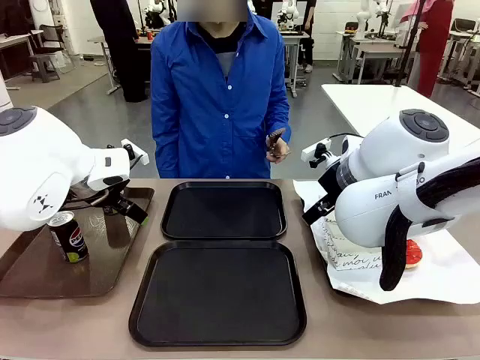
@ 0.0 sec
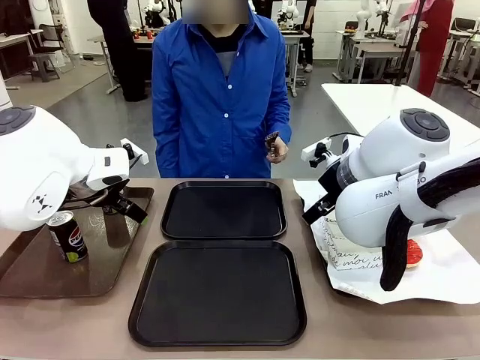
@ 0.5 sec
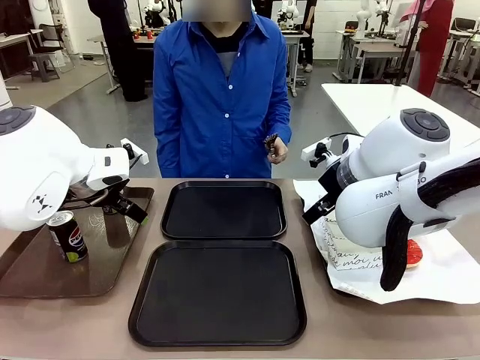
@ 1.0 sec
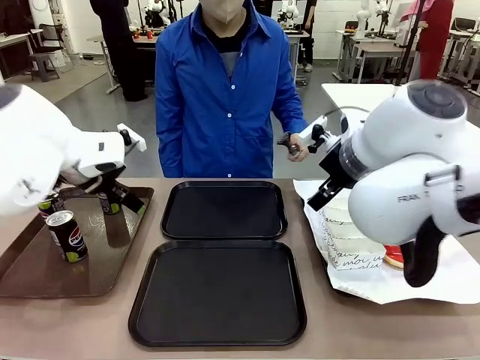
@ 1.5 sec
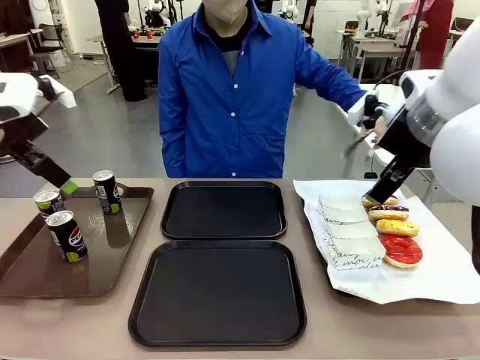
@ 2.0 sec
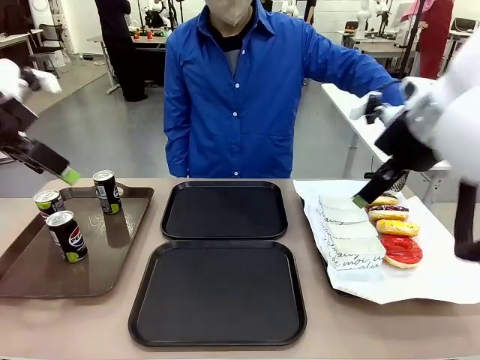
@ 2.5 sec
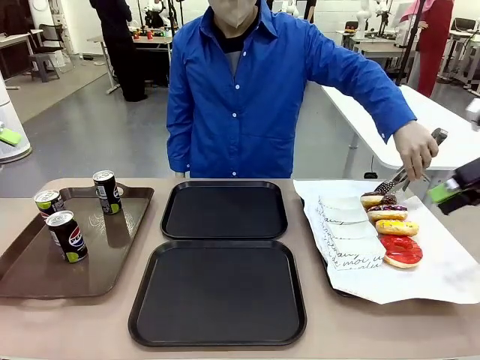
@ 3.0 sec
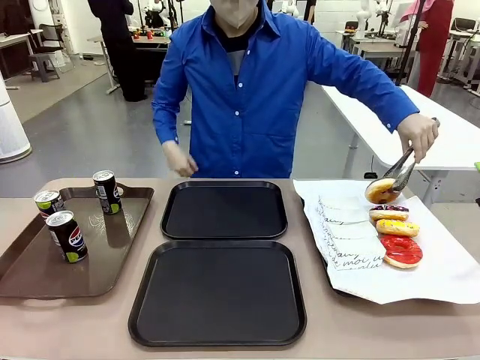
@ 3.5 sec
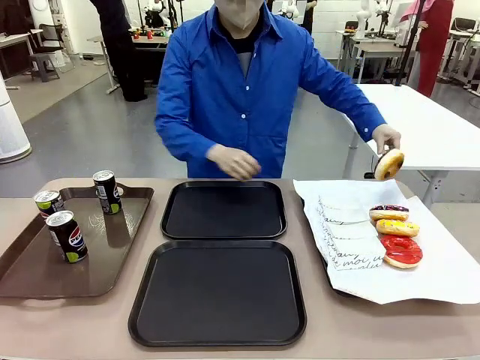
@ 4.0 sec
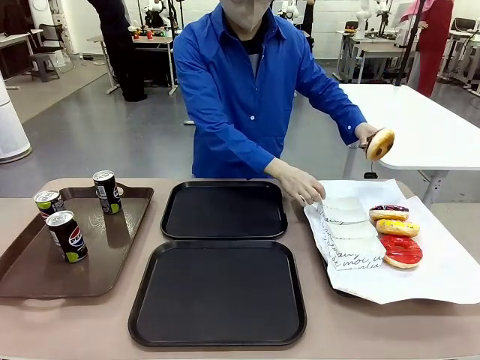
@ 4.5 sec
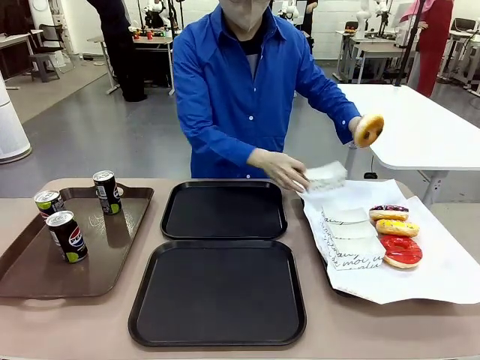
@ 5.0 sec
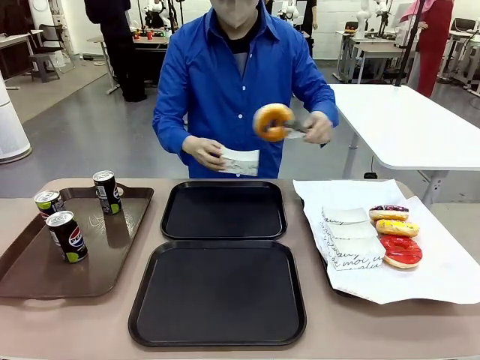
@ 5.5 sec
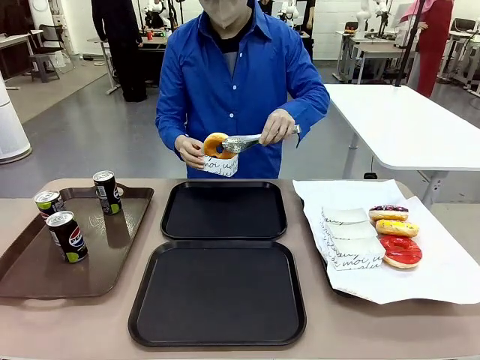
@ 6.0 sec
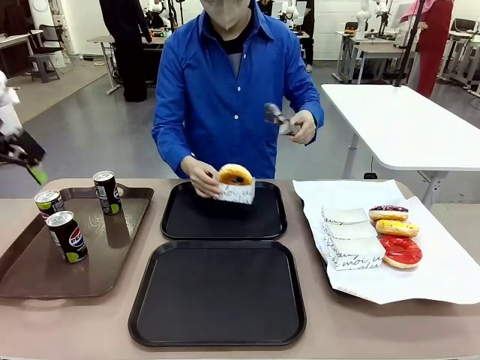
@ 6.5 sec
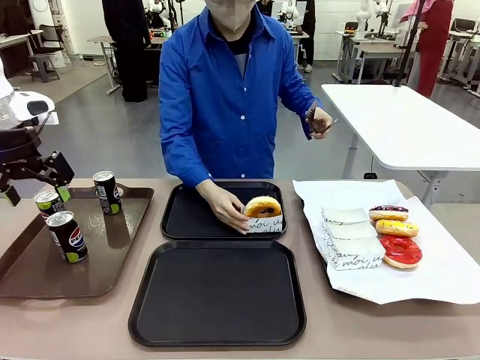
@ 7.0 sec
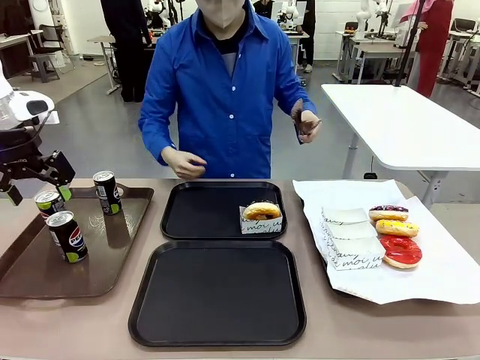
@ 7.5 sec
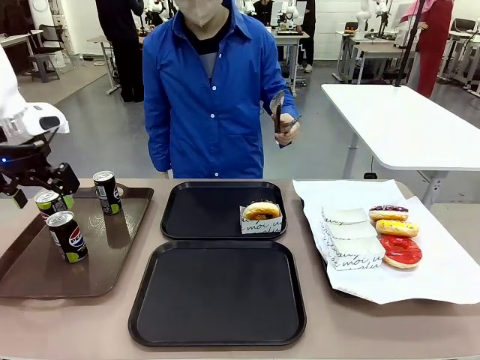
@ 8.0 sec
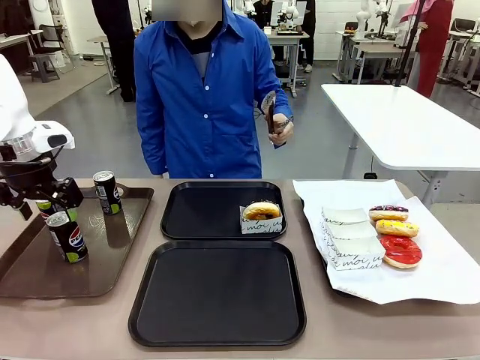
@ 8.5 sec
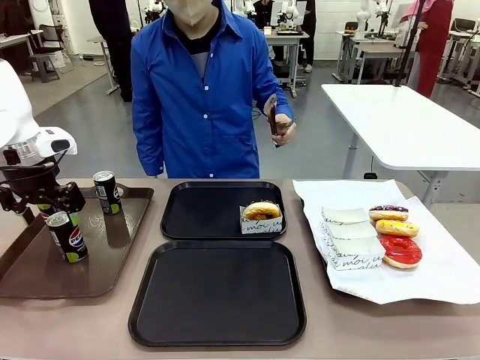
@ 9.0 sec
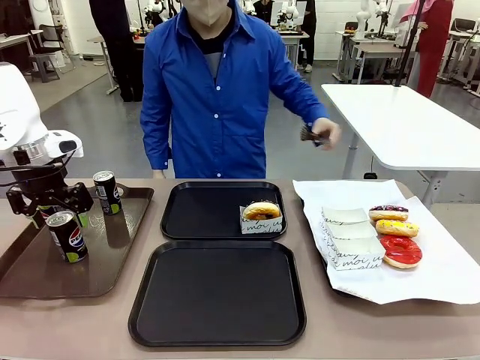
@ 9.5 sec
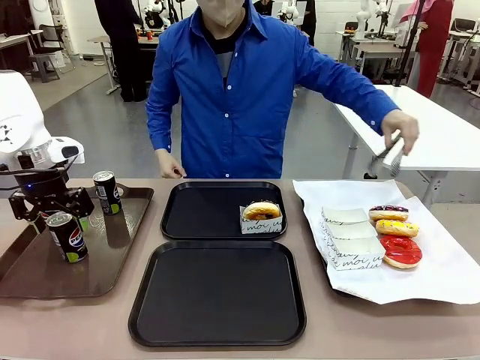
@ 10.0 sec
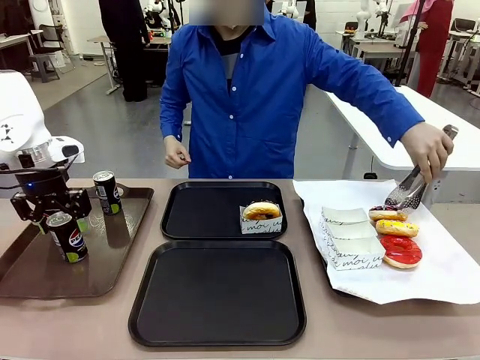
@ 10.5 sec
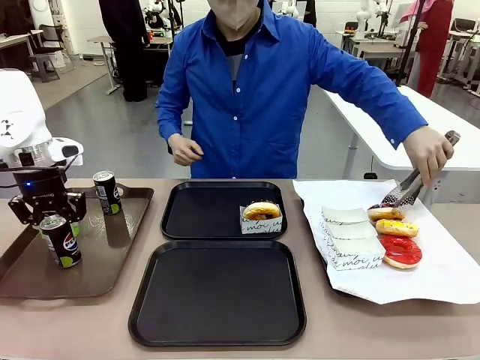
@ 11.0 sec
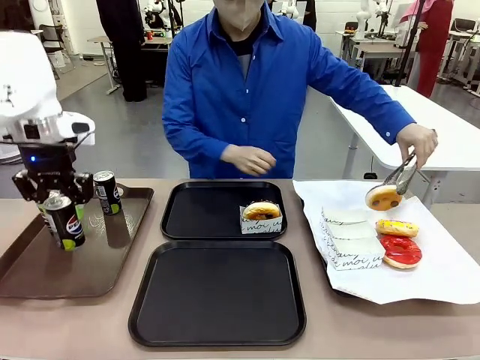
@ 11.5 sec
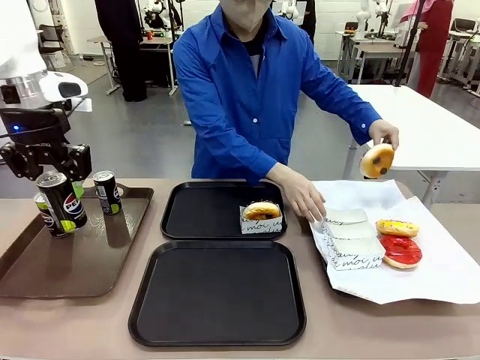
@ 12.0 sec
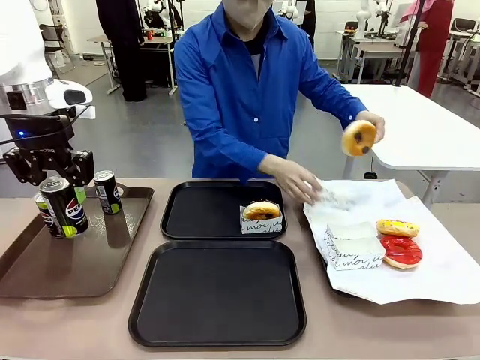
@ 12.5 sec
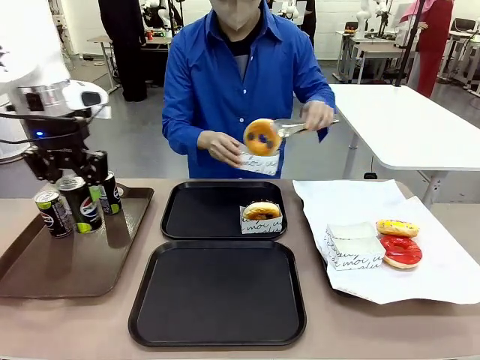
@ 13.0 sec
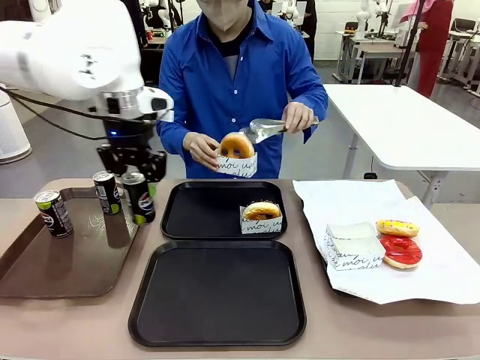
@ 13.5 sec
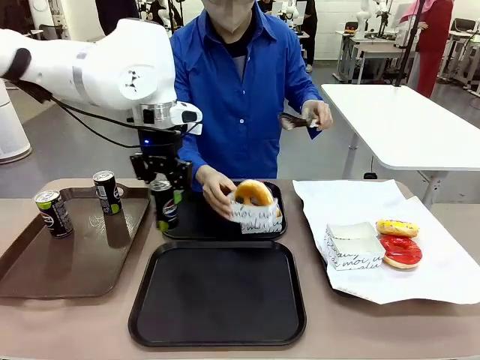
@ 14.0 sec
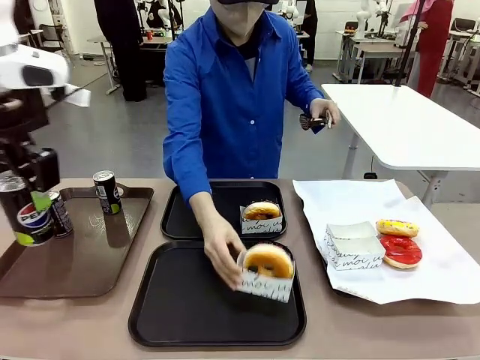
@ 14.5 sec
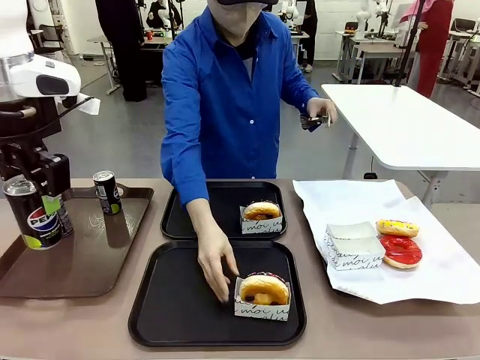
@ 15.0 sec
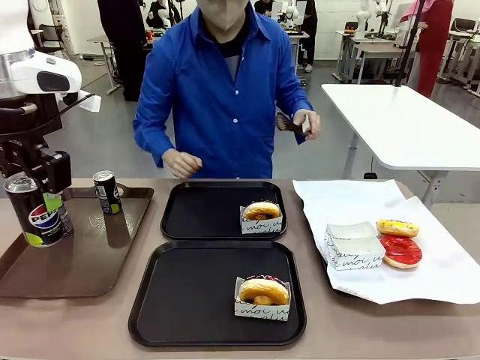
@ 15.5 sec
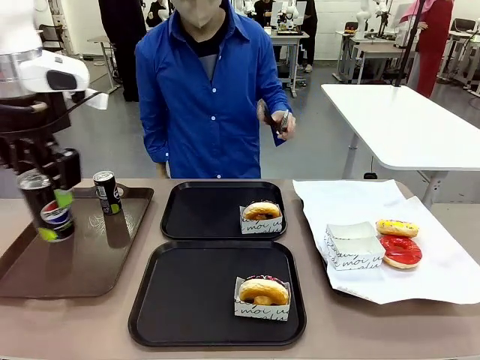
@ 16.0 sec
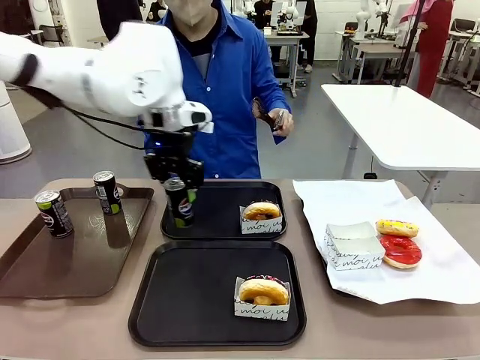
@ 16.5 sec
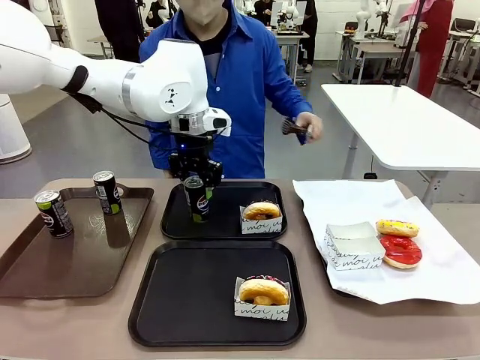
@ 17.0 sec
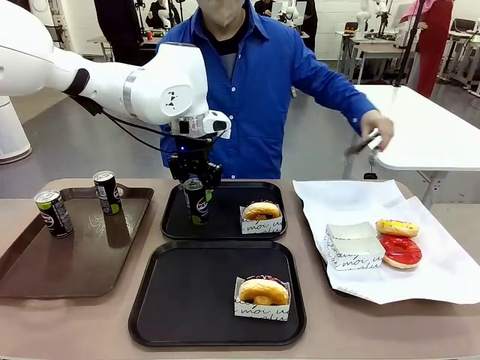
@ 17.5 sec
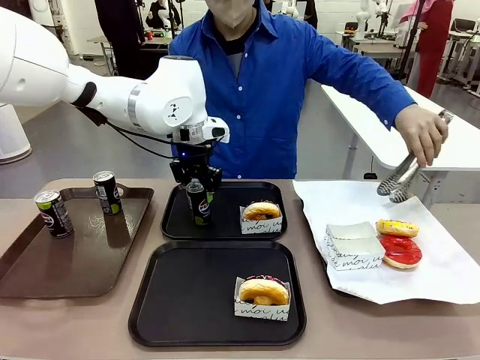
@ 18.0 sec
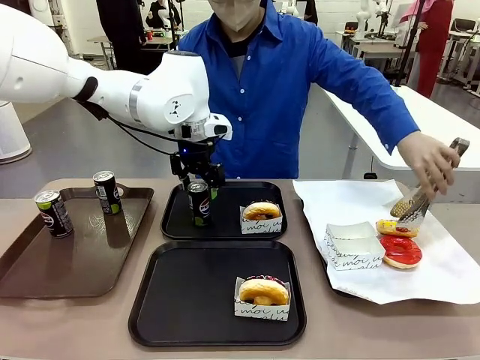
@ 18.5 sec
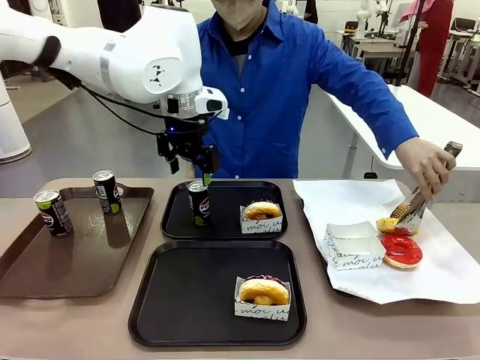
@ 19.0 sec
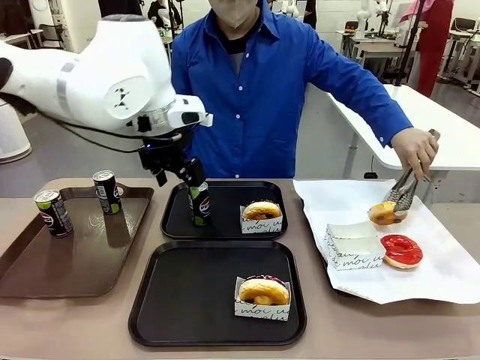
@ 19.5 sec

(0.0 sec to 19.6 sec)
Task: Set up donuts and drinks on trays.
Robot: Pick up one Pepsi coke and place it on the Flat Tray.
